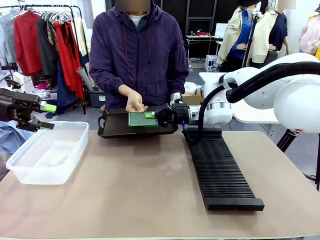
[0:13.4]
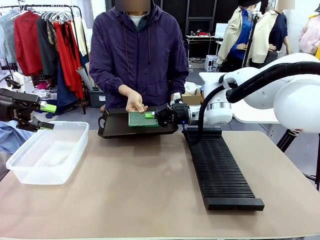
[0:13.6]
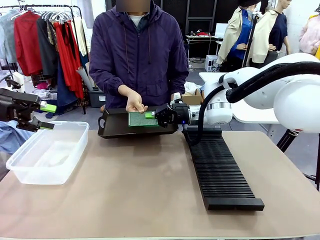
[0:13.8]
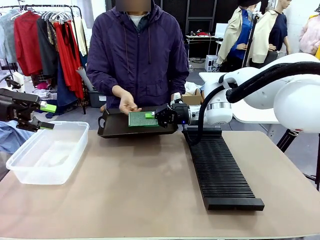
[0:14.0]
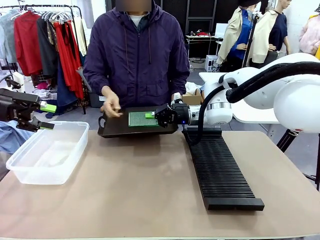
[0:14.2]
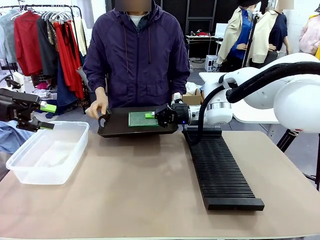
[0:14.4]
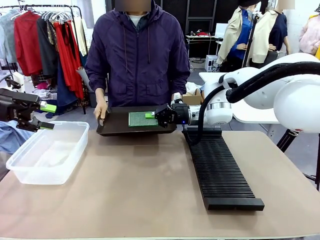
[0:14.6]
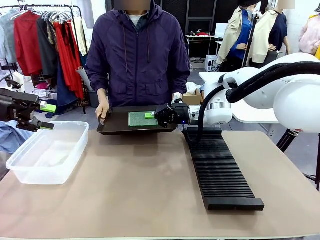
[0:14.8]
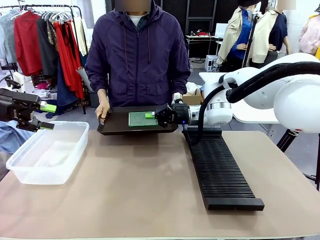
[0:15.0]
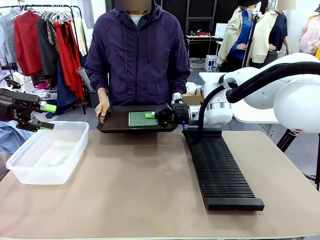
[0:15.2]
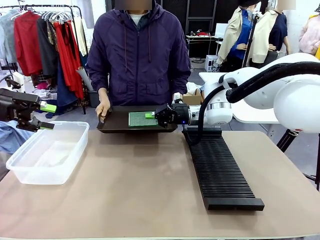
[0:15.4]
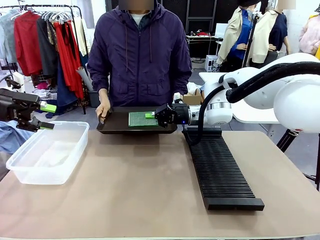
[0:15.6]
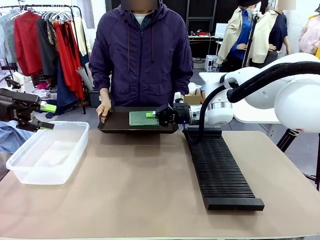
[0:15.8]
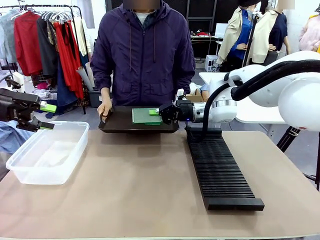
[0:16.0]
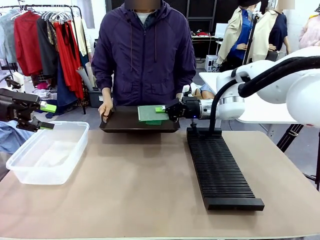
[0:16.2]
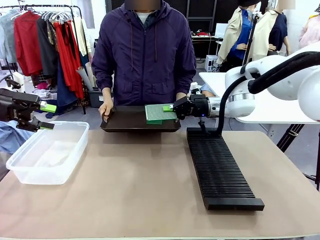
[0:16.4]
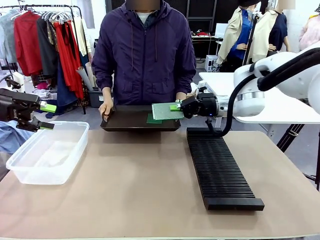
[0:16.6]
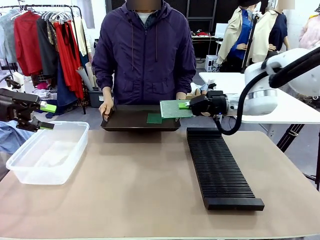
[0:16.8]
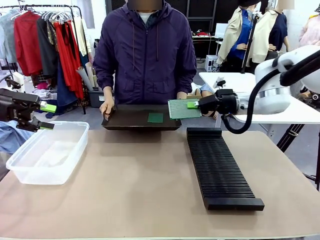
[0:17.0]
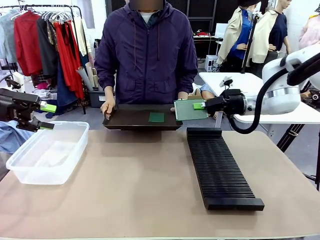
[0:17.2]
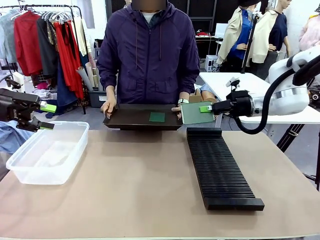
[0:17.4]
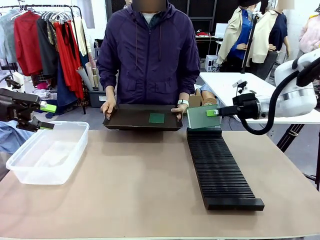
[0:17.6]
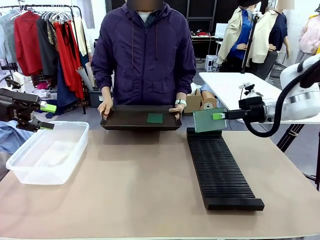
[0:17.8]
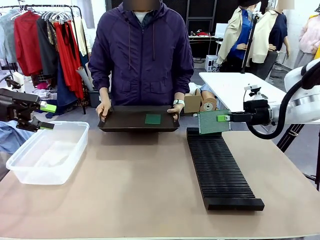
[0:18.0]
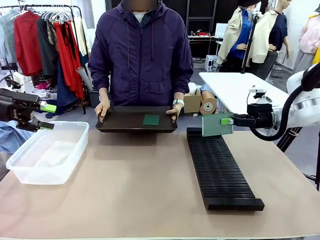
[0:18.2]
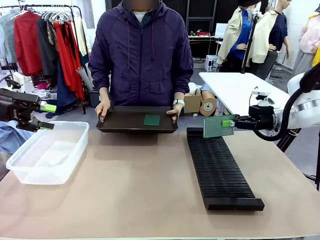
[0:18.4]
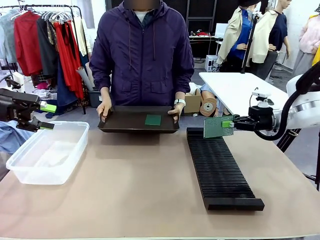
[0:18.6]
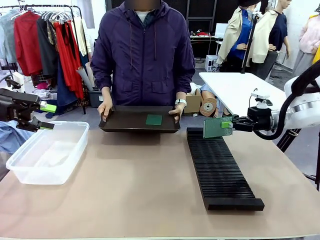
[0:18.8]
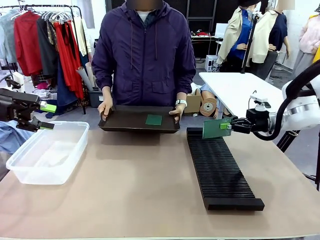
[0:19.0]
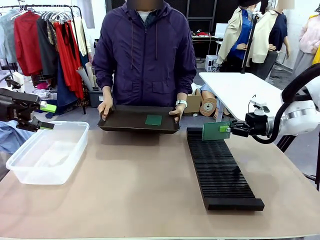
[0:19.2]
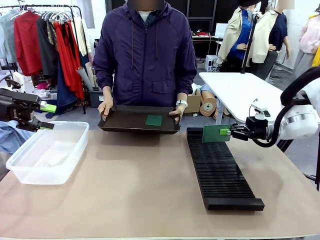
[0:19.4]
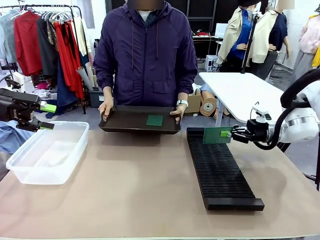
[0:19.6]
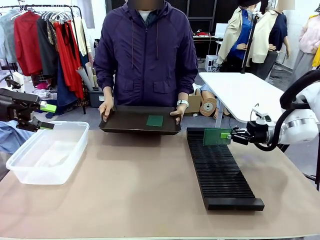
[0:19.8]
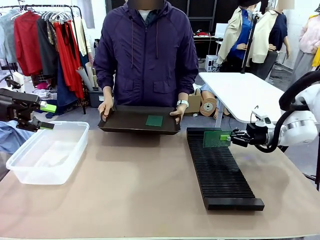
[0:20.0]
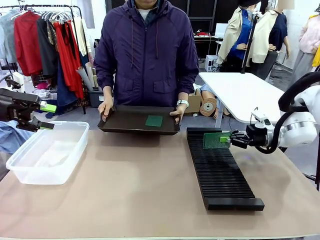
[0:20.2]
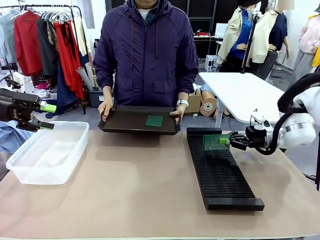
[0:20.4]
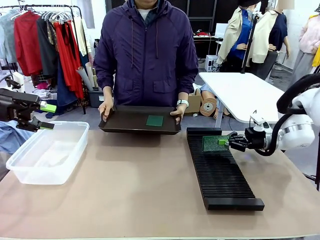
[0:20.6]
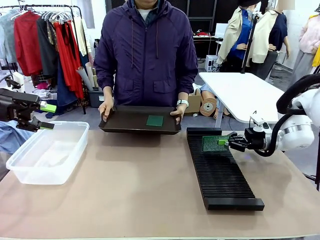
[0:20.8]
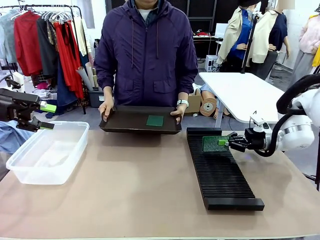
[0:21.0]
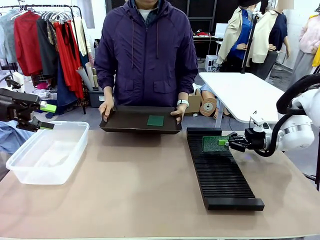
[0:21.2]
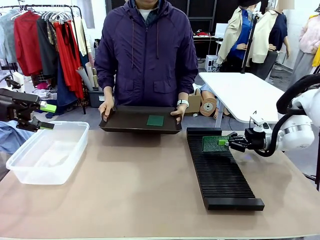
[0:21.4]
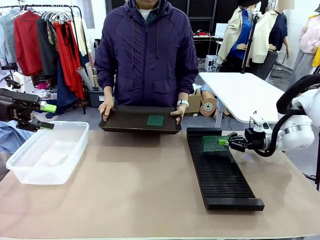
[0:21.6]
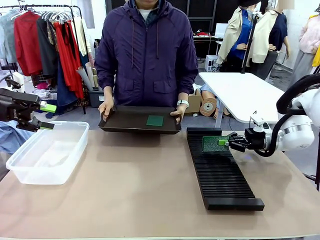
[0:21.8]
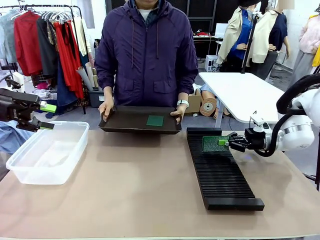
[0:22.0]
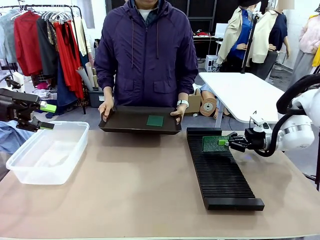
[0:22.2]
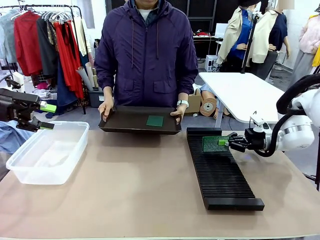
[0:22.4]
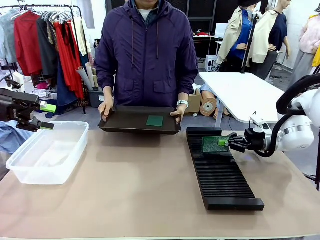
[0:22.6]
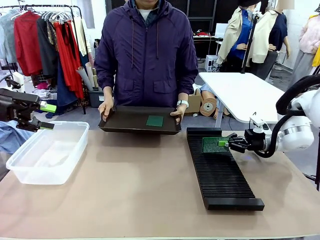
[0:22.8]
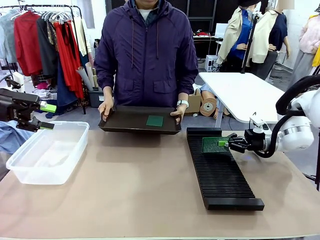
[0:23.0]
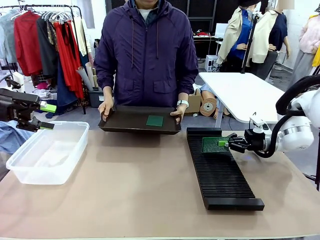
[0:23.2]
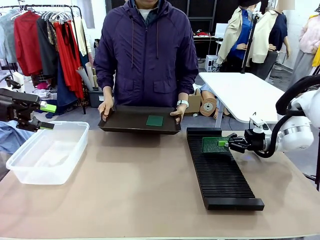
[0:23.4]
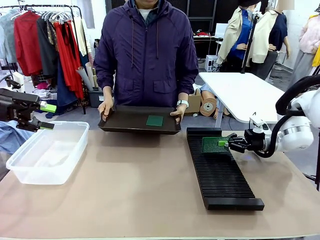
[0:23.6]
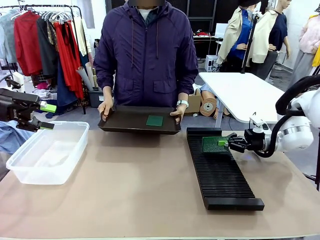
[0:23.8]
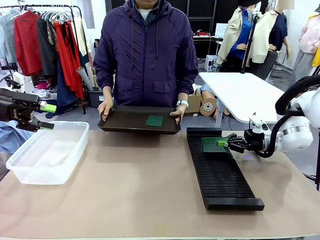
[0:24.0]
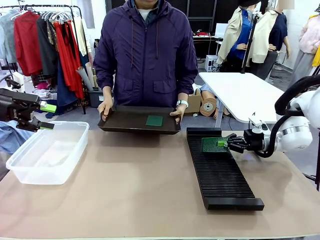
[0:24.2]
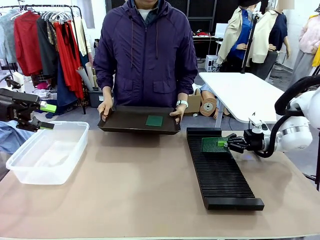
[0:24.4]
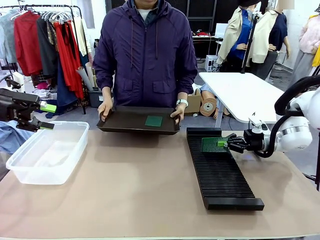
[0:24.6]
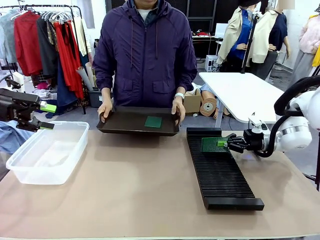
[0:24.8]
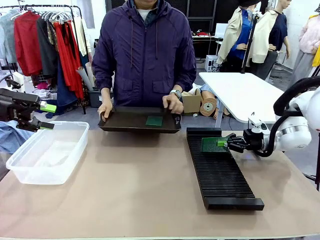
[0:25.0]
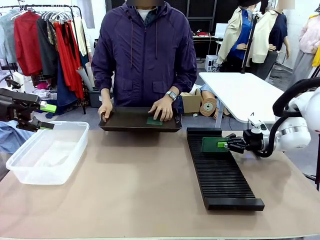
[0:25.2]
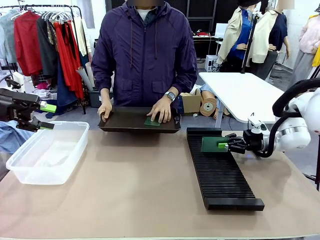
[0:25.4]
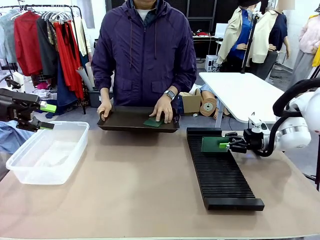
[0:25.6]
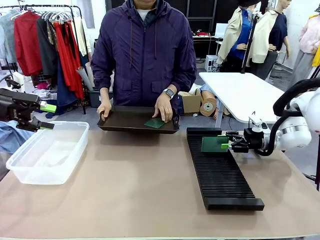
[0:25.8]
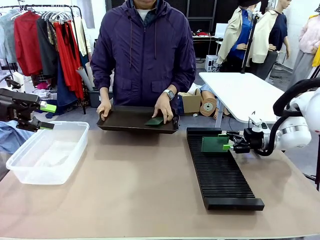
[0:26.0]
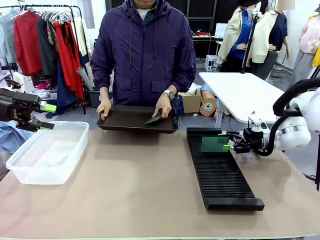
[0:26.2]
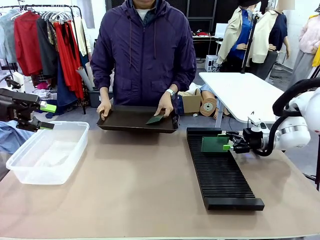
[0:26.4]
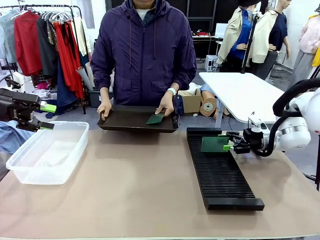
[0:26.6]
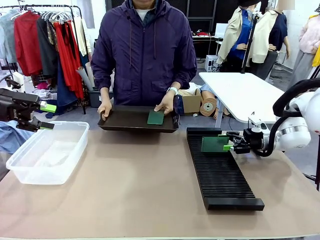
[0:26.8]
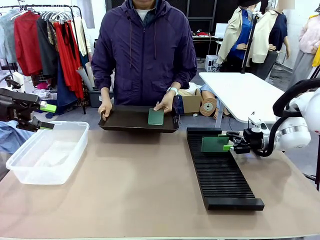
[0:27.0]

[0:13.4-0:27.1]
Task: Sort PCBs into racks and boxes based on the side picked up.
Robot: If the short side of the Blank PCB is picked up, insert it into the PCB Rack ; if the long side is picked up, place it in the Organizing box.
Person: Pick one PCB from the tray and present it to the robot.

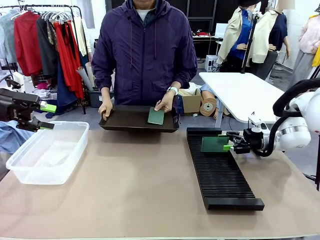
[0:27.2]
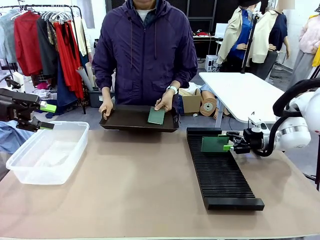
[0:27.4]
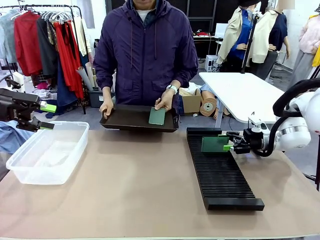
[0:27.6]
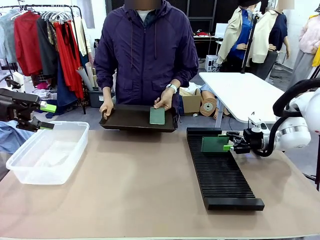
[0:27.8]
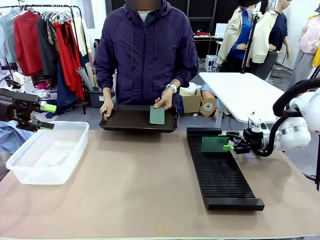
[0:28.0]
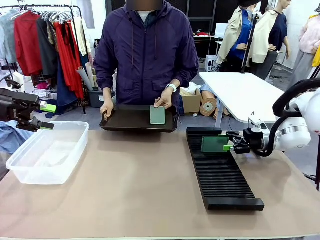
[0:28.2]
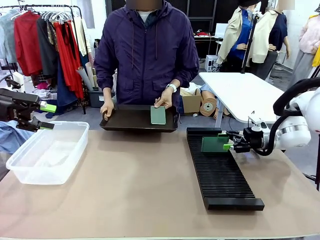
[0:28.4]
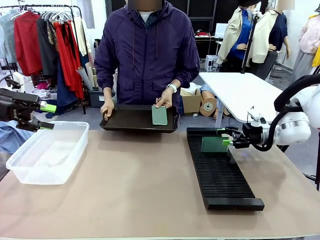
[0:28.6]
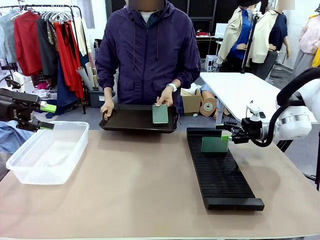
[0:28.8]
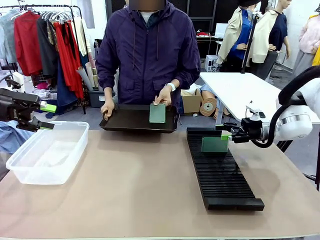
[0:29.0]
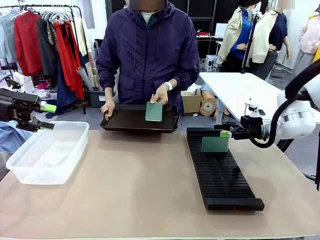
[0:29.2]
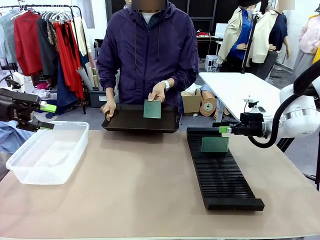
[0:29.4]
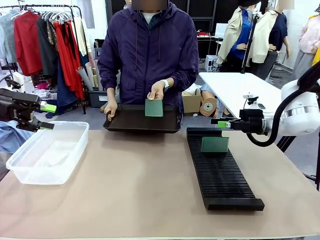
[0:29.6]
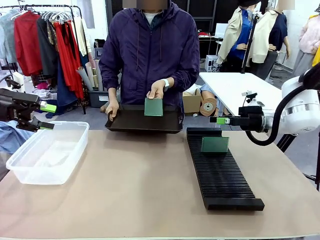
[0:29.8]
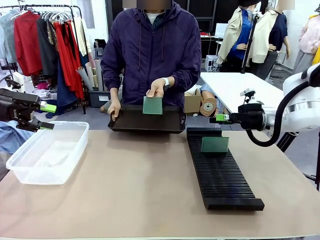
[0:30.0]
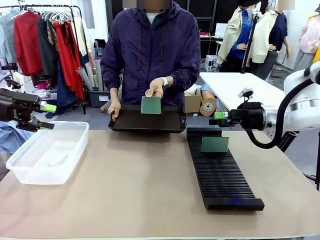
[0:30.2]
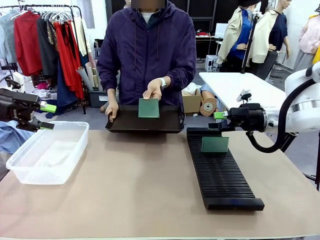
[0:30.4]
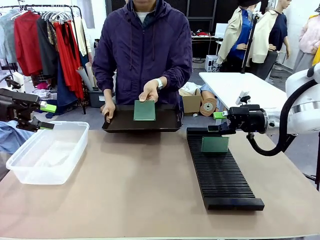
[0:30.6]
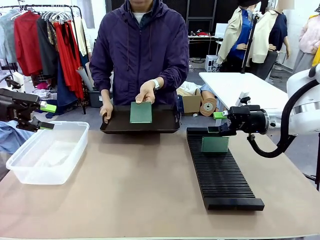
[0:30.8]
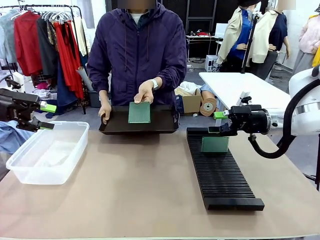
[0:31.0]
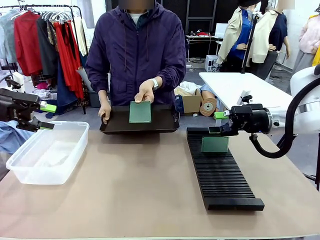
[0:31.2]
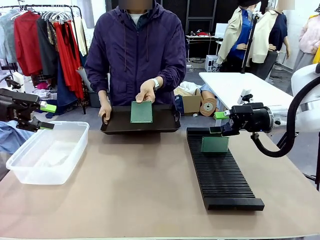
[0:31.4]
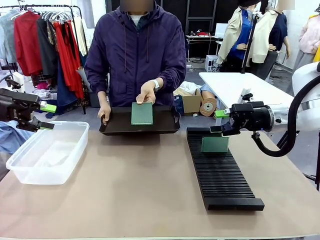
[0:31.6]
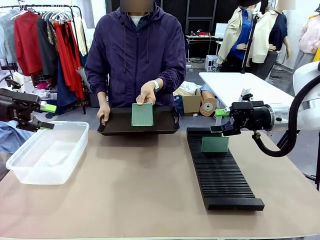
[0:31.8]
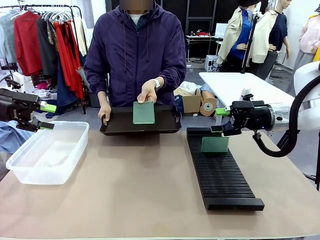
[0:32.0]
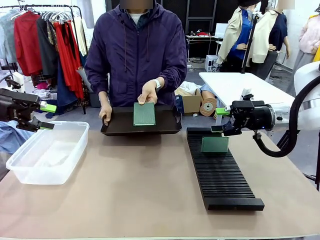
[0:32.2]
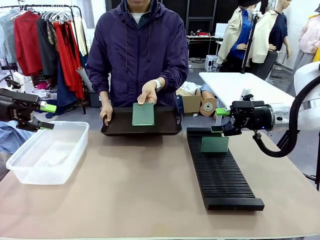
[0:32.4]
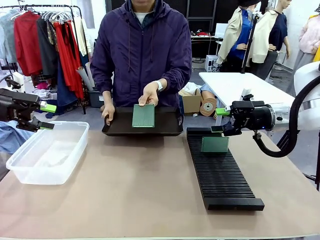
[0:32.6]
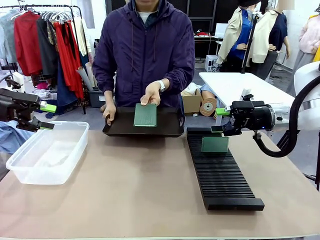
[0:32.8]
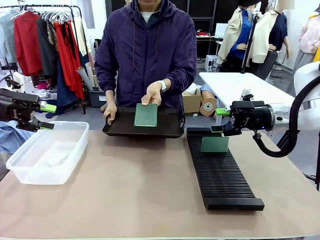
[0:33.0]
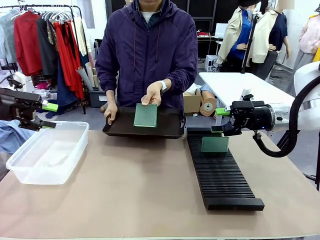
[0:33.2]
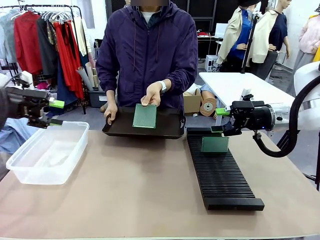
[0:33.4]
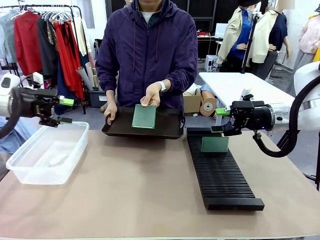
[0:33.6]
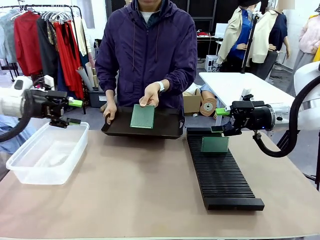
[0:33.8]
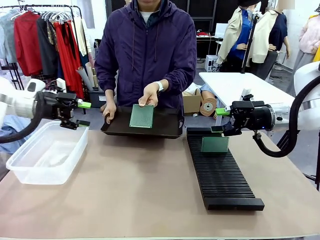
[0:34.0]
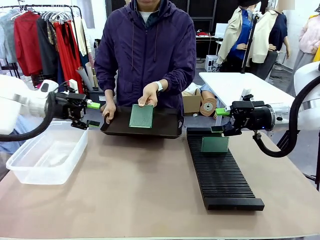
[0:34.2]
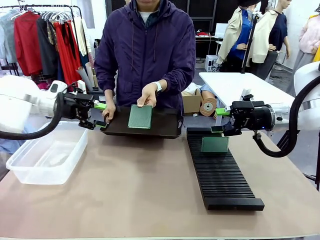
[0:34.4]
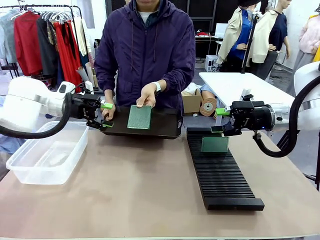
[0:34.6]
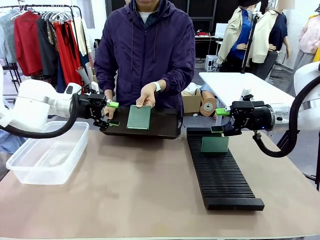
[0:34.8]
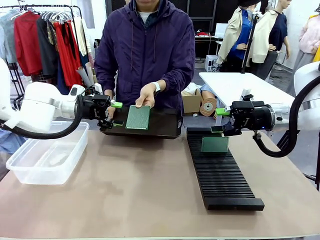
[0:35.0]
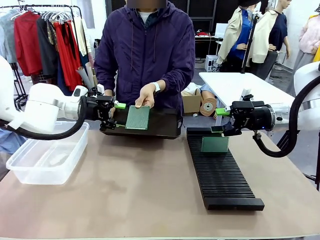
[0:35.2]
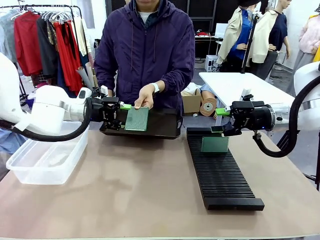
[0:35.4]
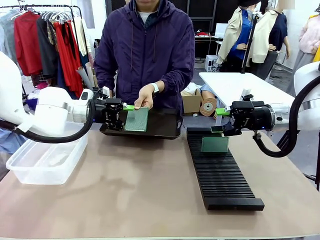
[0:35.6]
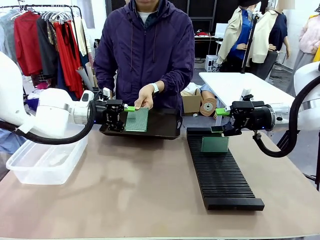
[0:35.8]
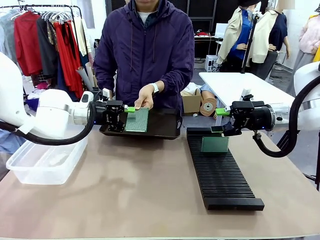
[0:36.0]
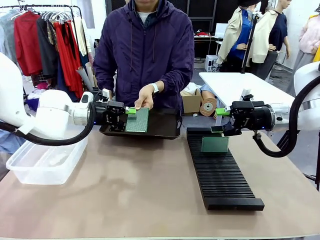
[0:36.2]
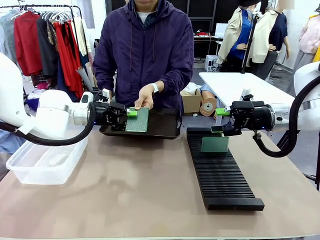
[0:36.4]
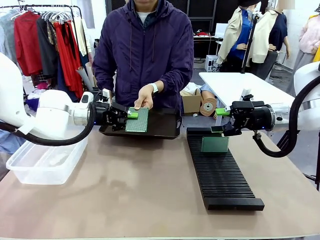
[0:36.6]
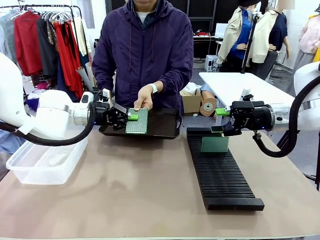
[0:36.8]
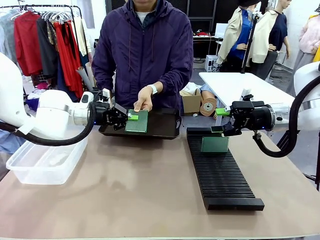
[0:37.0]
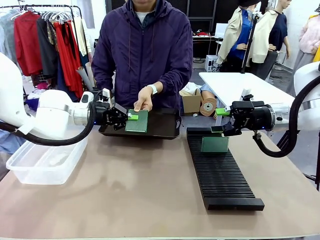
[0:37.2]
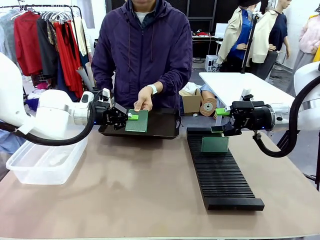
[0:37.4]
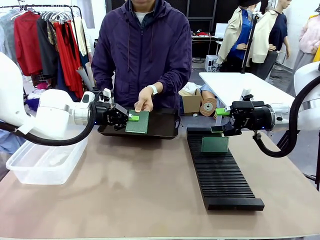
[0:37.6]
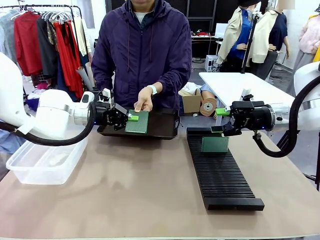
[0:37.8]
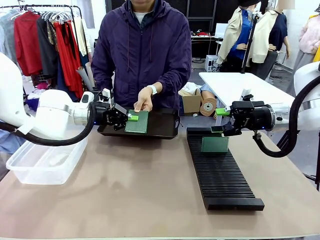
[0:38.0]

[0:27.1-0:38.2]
Robot: Pick up the Blank PCB handed by the Human.
